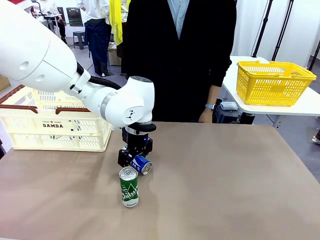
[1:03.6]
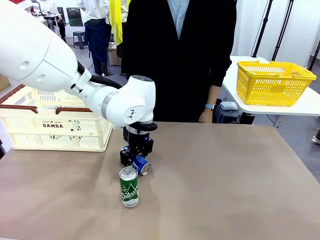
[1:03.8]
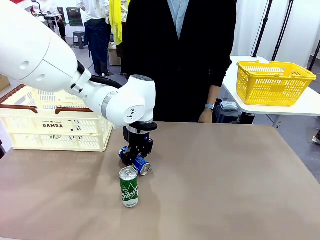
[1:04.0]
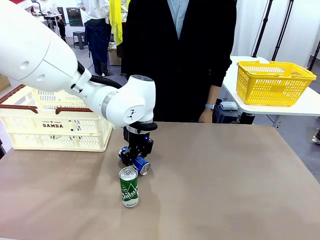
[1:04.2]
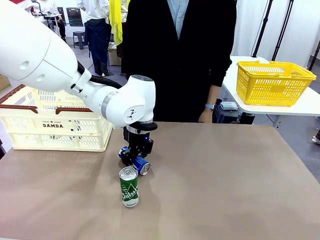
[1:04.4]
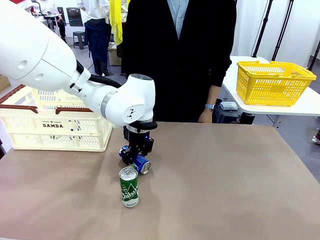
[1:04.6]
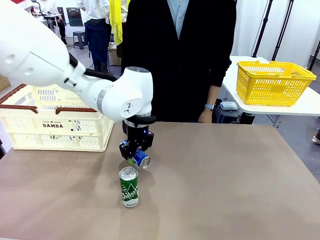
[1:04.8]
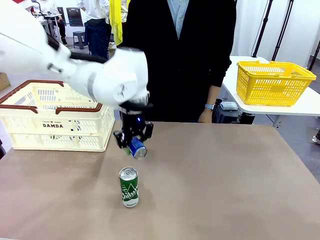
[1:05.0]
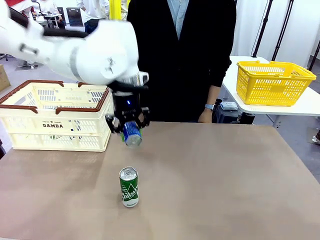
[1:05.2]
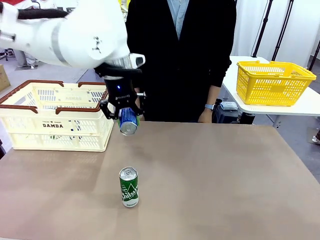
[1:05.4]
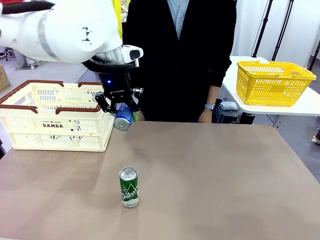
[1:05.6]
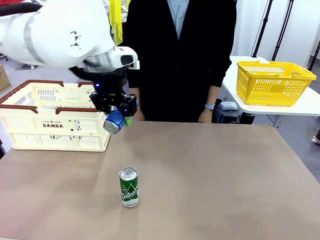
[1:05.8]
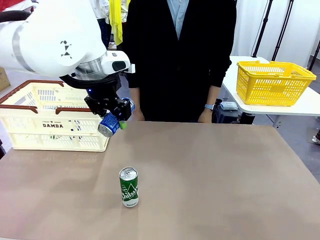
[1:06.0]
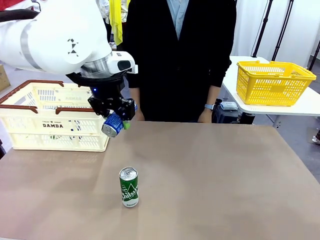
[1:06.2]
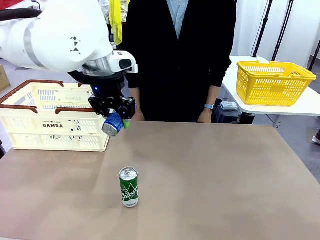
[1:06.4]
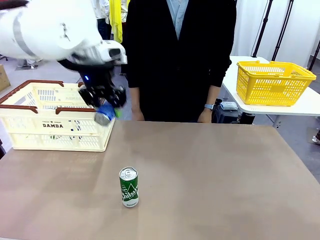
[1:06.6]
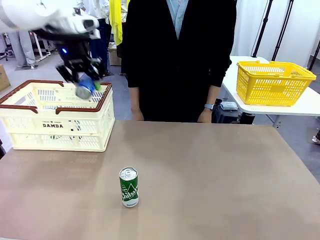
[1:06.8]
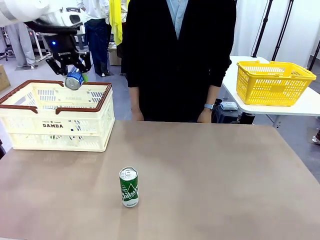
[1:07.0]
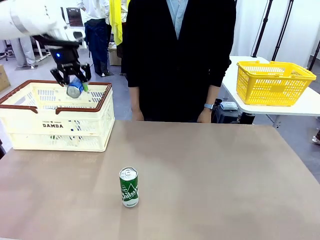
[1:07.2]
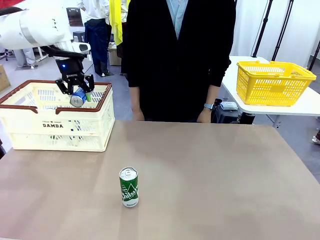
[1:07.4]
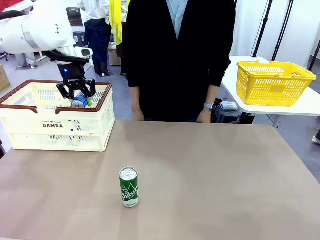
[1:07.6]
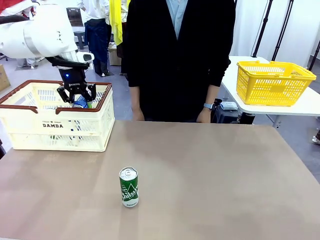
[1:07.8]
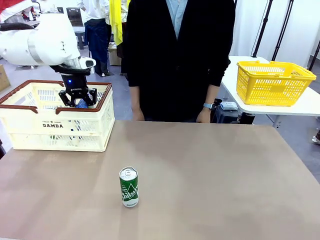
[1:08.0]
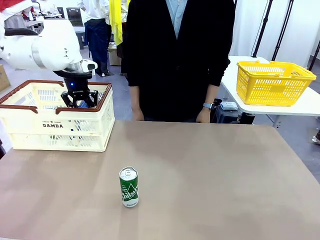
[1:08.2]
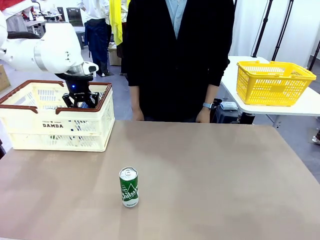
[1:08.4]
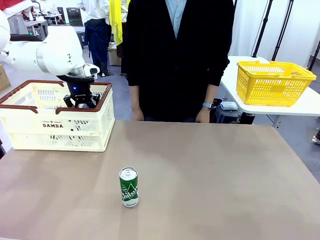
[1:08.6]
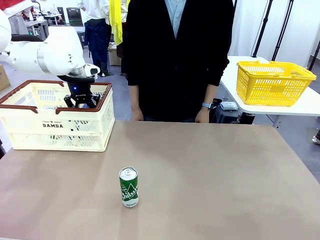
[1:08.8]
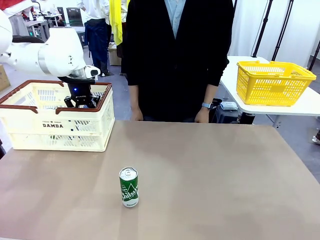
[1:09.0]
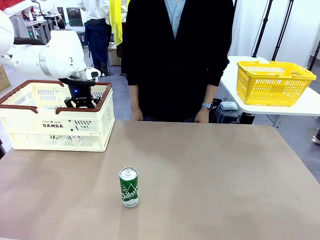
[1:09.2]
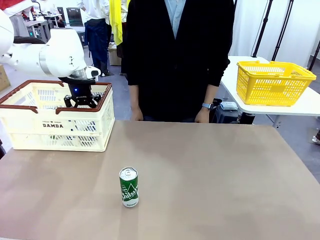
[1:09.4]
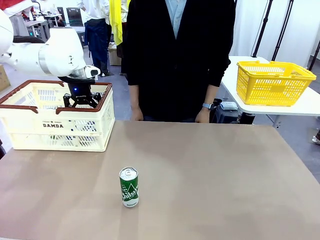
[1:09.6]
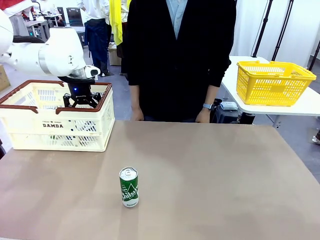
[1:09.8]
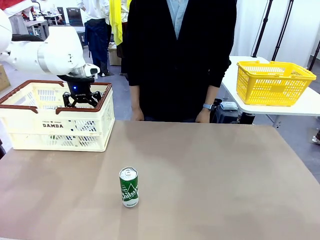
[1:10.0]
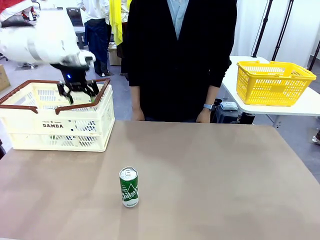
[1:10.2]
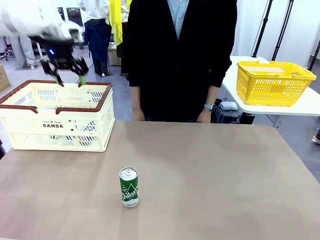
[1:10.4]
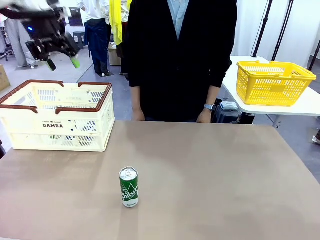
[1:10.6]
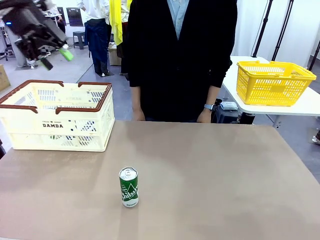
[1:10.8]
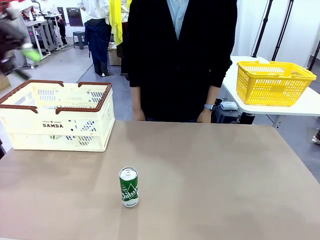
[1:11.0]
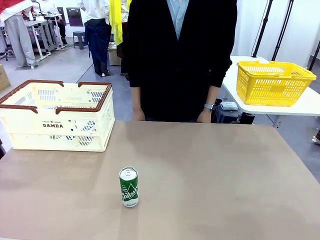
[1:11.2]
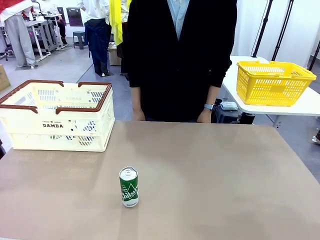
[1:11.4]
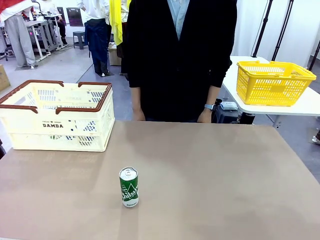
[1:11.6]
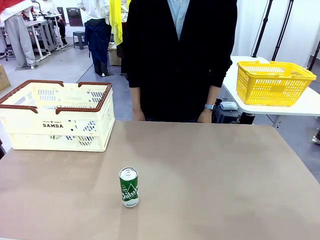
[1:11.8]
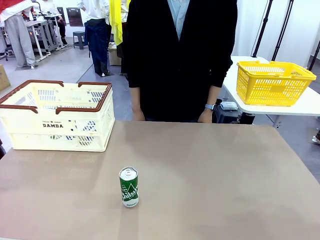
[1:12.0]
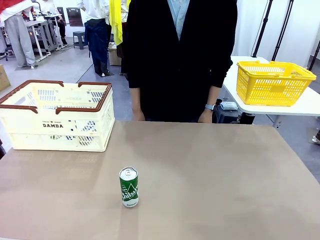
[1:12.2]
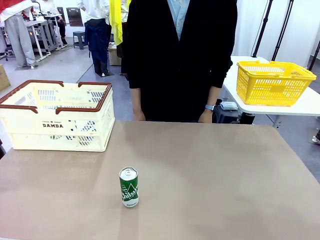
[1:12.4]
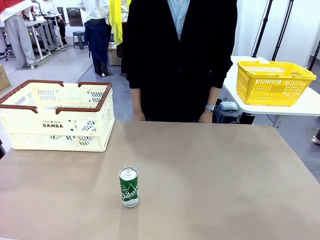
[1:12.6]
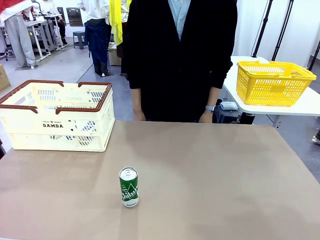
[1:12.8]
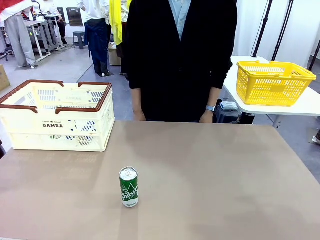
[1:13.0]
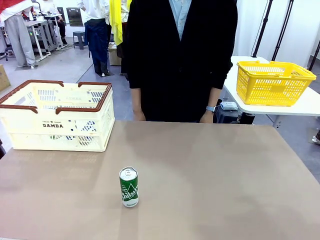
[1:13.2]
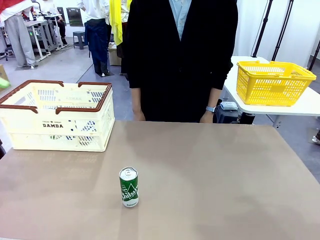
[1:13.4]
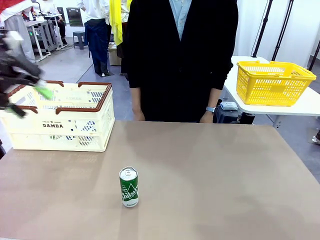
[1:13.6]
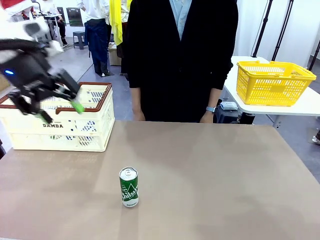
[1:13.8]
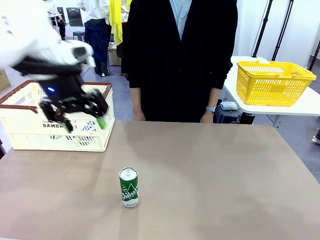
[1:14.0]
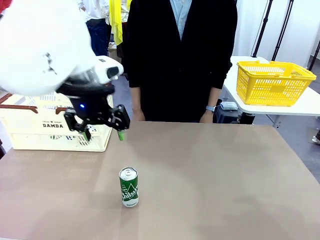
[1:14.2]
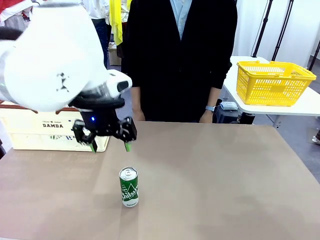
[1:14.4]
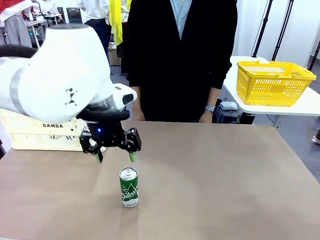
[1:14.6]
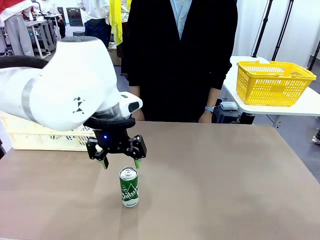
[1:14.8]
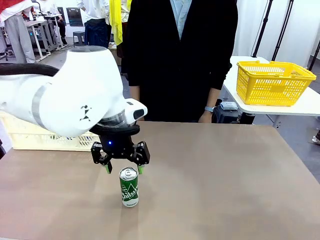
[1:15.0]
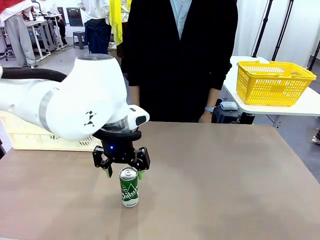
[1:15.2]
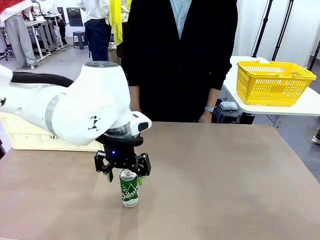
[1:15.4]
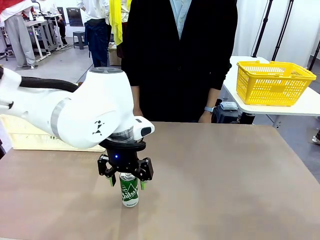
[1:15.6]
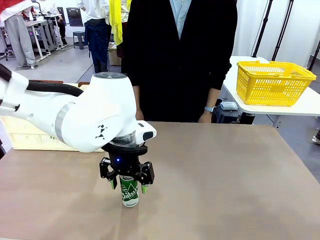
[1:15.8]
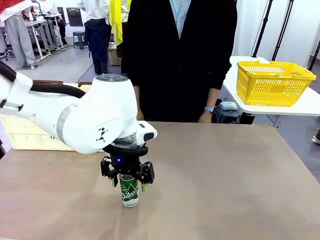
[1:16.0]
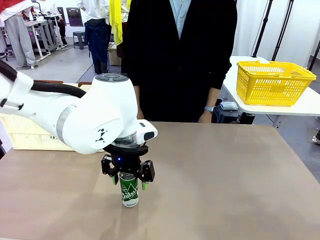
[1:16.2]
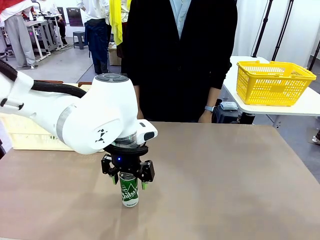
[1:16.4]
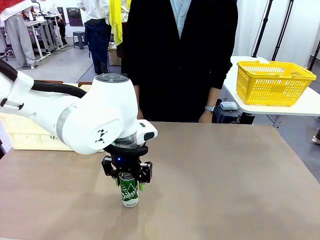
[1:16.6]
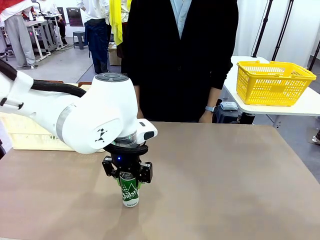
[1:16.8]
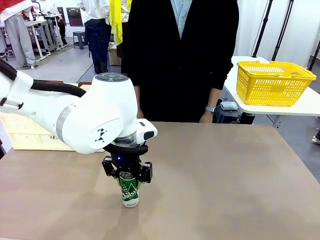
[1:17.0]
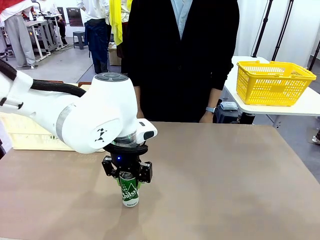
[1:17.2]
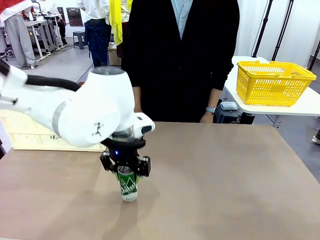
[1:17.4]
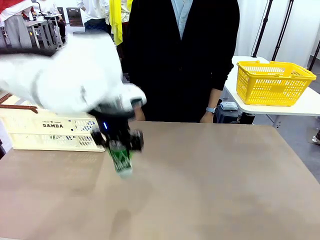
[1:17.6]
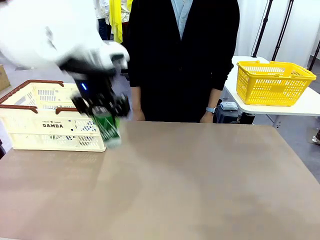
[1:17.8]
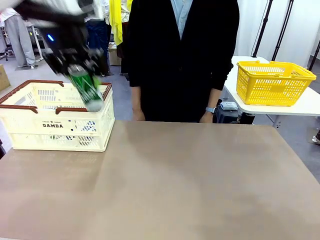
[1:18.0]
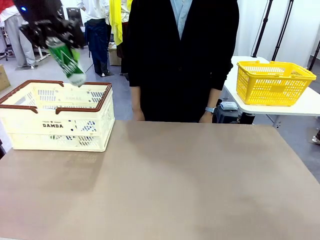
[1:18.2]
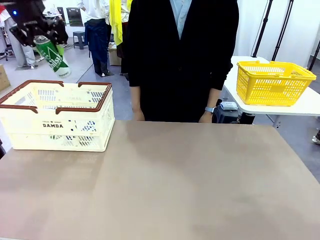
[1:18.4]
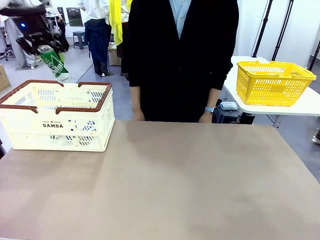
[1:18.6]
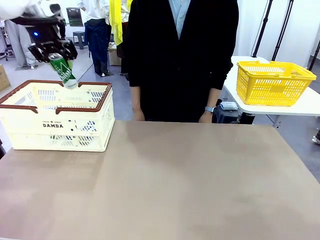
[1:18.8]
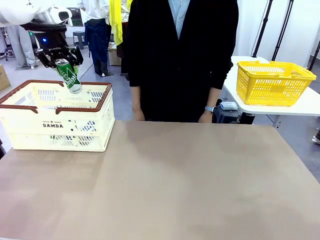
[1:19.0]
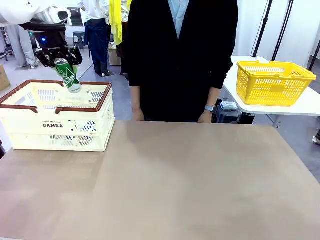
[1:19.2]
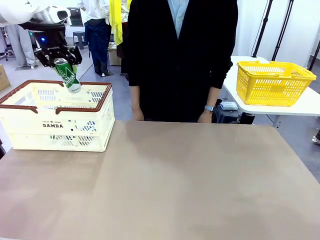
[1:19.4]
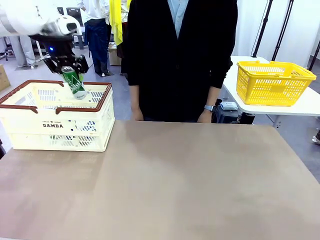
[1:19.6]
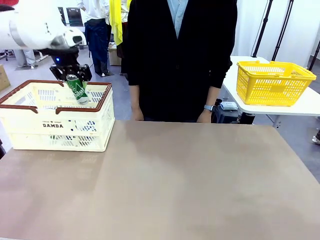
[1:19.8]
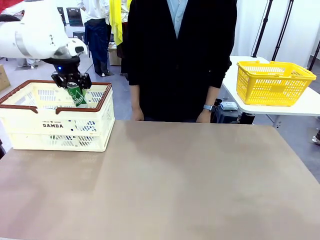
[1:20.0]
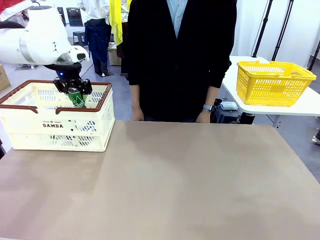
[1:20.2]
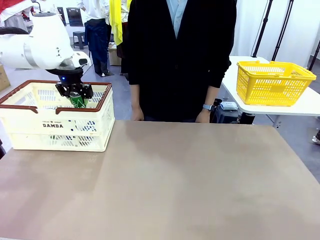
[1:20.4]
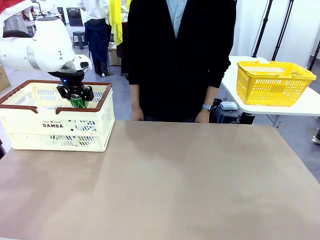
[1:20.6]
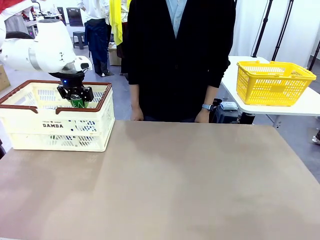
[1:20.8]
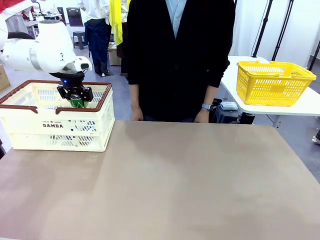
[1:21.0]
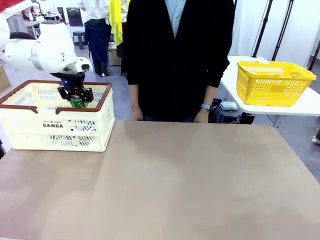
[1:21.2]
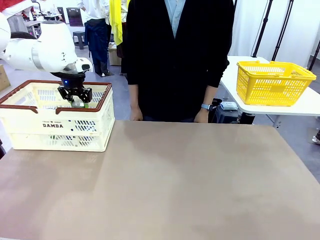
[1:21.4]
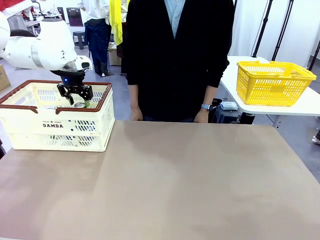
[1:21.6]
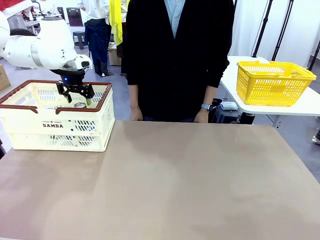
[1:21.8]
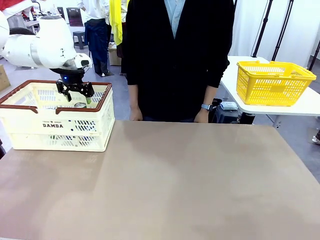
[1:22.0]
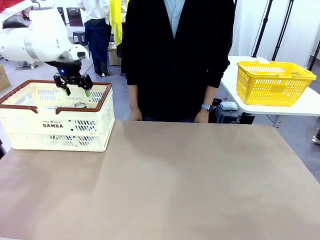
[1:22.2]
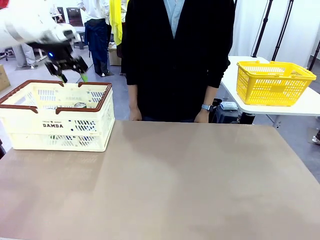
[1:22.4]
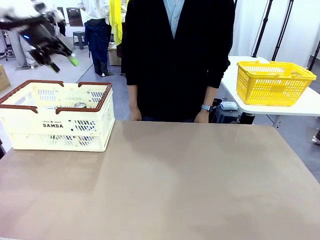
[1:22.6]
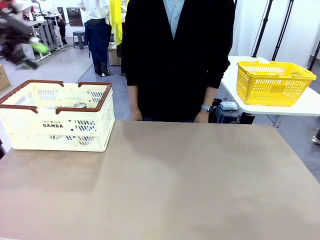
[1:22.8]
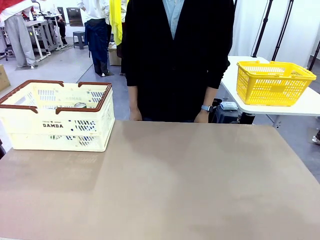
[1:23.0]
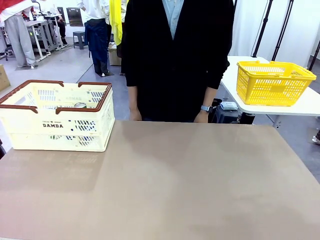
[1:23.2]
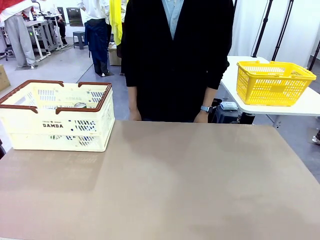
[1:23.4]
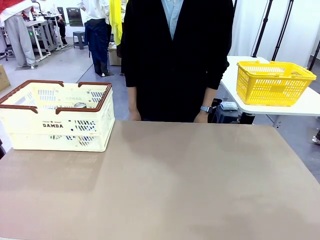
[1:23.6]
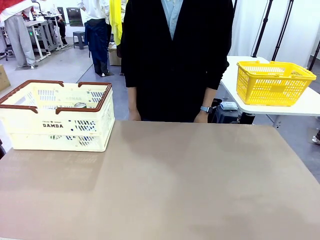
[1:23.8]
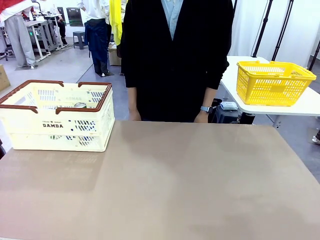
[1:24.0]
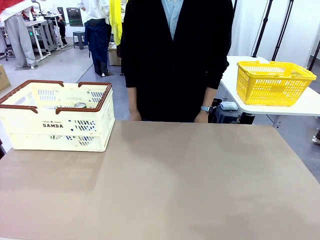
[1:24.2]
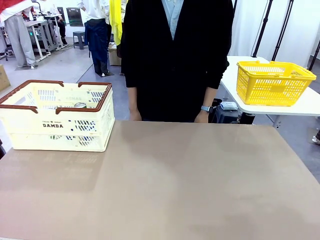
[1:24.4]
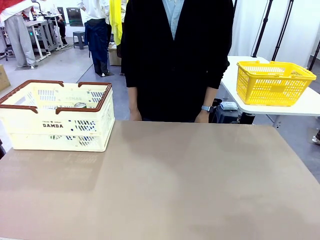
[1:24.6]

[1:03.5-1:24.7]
Task: Place the drinks into the Shopping basket.
Robot: Pick up one drink and place it into the Shopping basket.
